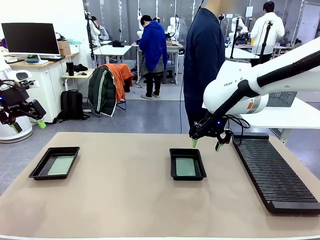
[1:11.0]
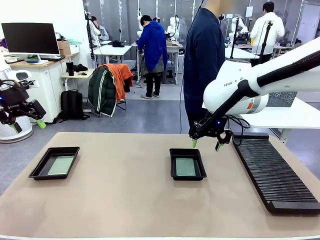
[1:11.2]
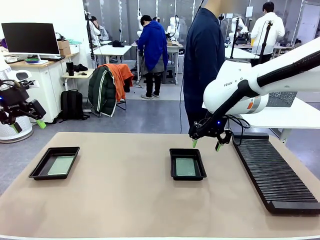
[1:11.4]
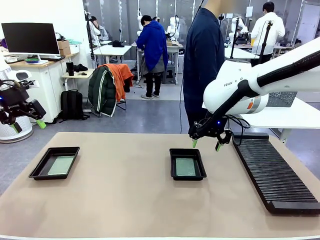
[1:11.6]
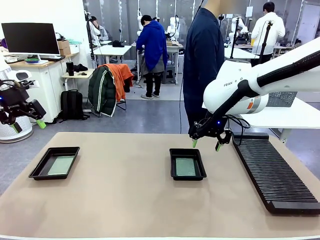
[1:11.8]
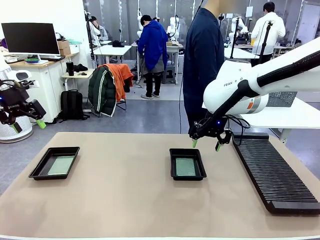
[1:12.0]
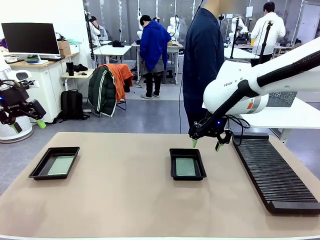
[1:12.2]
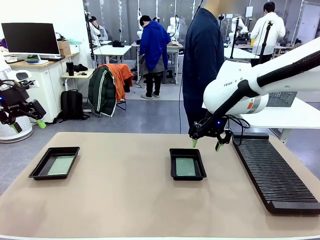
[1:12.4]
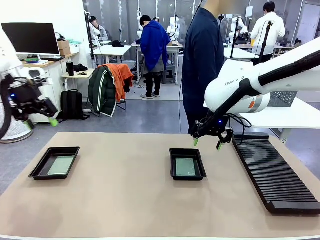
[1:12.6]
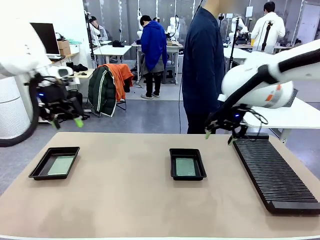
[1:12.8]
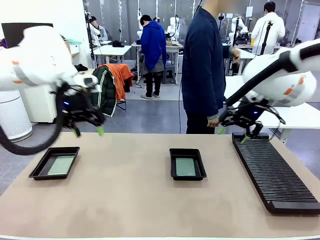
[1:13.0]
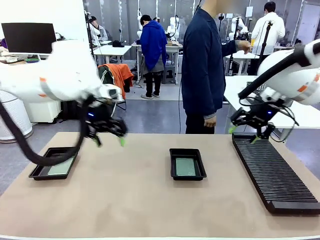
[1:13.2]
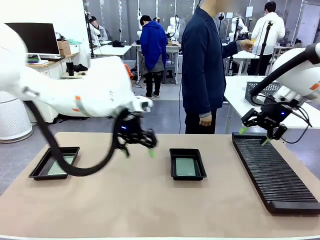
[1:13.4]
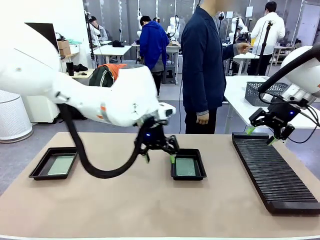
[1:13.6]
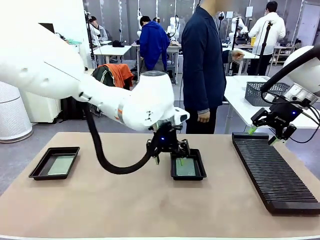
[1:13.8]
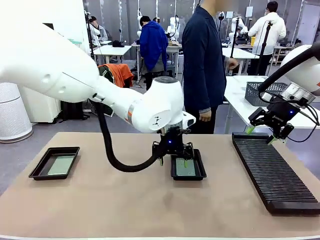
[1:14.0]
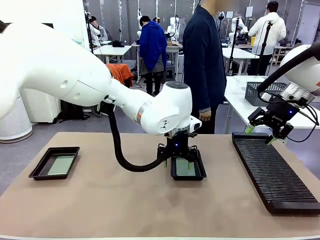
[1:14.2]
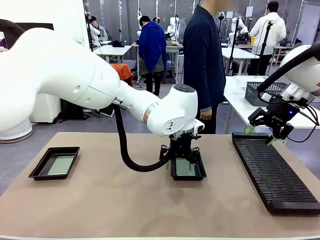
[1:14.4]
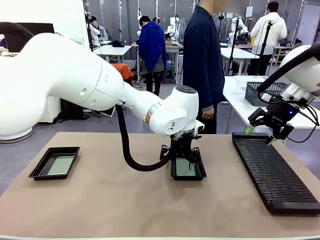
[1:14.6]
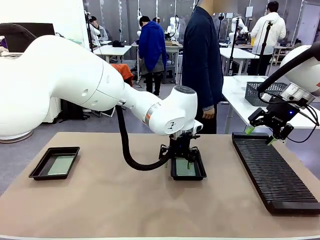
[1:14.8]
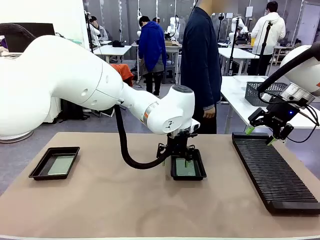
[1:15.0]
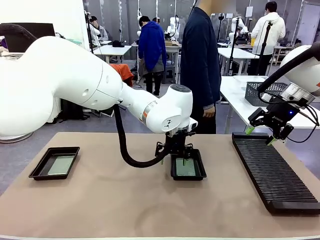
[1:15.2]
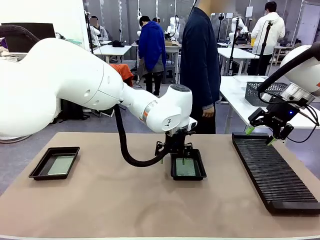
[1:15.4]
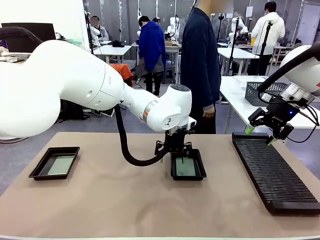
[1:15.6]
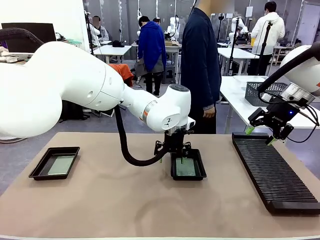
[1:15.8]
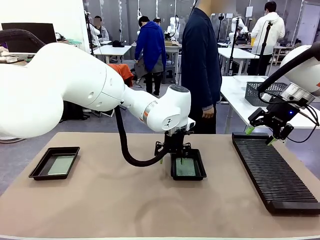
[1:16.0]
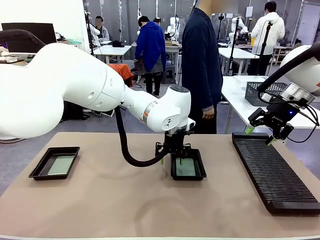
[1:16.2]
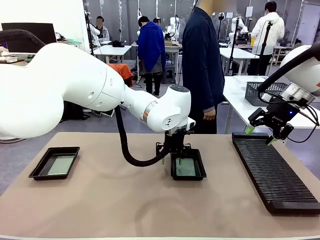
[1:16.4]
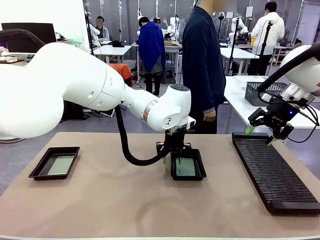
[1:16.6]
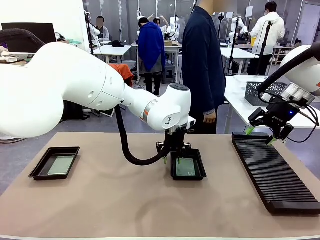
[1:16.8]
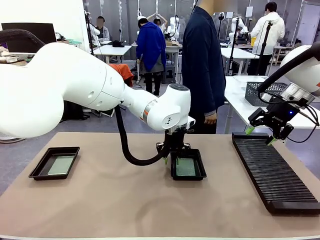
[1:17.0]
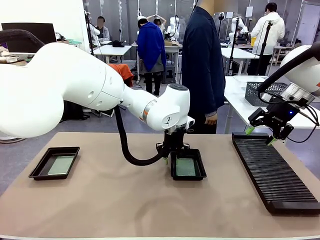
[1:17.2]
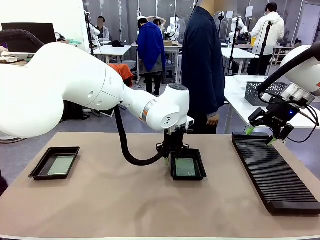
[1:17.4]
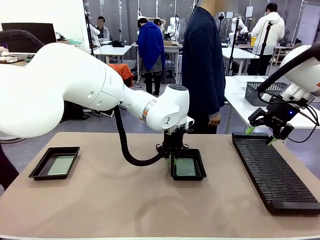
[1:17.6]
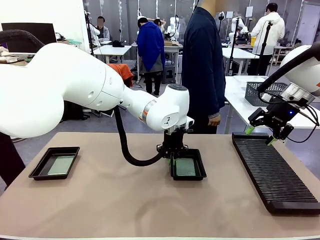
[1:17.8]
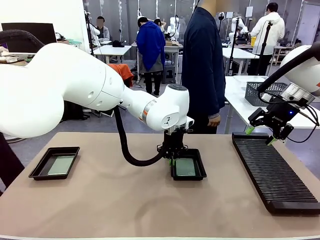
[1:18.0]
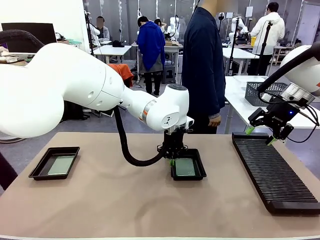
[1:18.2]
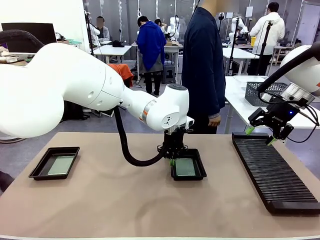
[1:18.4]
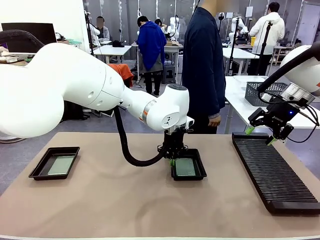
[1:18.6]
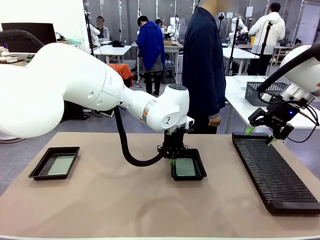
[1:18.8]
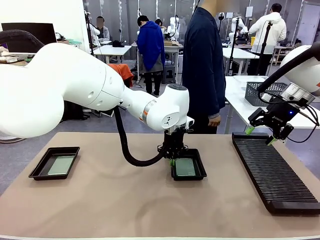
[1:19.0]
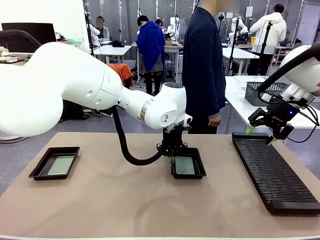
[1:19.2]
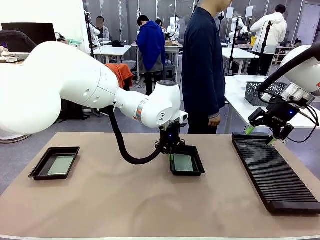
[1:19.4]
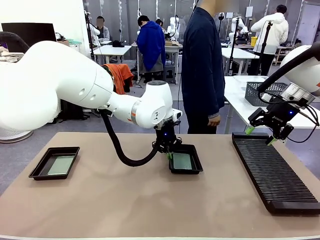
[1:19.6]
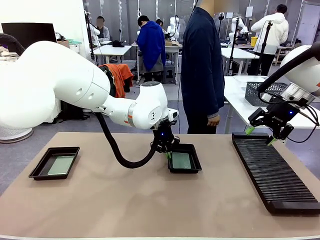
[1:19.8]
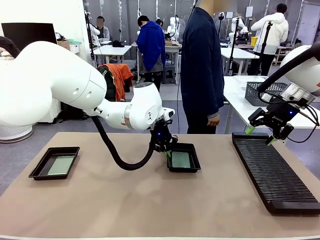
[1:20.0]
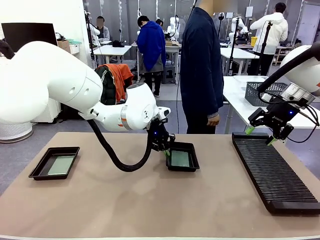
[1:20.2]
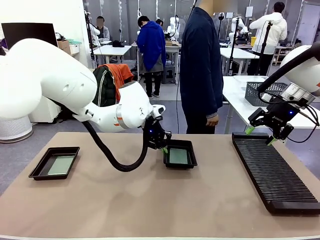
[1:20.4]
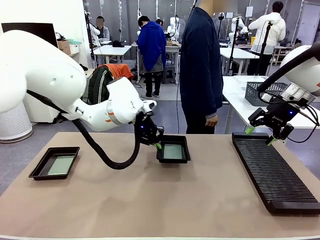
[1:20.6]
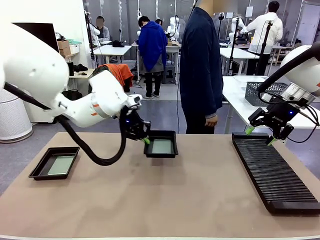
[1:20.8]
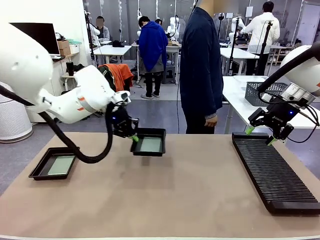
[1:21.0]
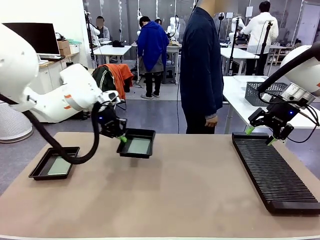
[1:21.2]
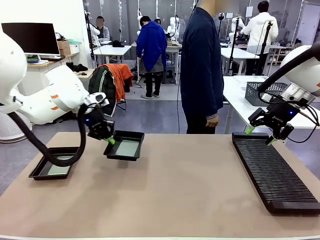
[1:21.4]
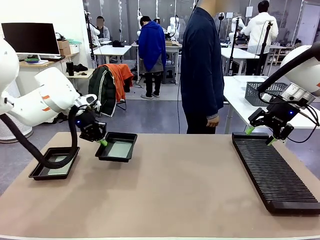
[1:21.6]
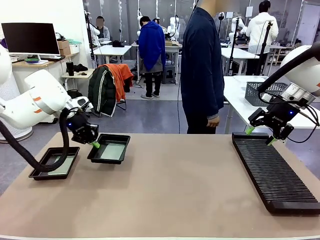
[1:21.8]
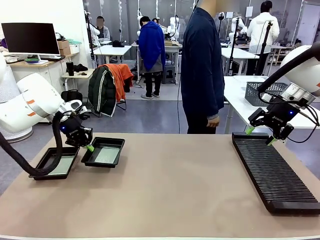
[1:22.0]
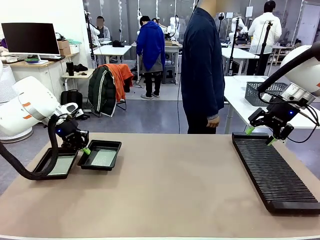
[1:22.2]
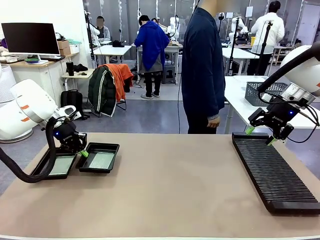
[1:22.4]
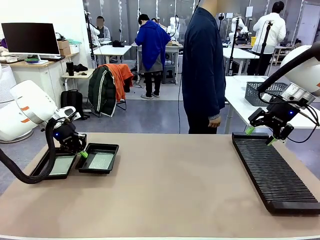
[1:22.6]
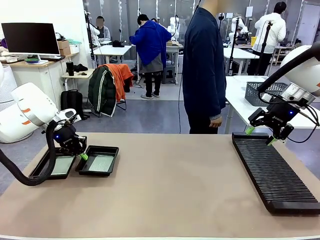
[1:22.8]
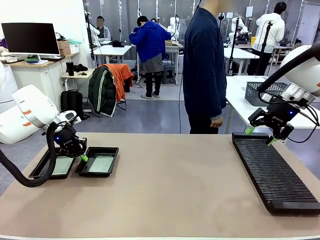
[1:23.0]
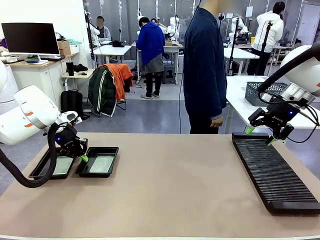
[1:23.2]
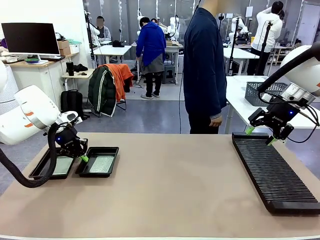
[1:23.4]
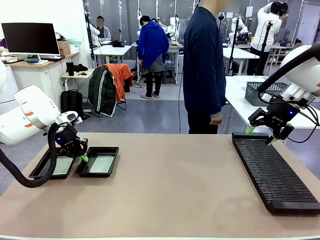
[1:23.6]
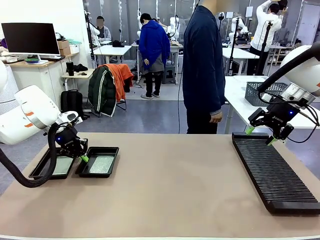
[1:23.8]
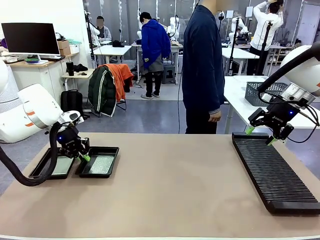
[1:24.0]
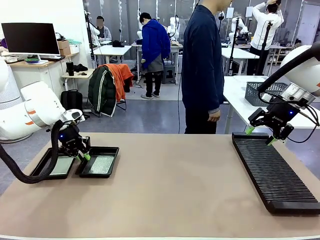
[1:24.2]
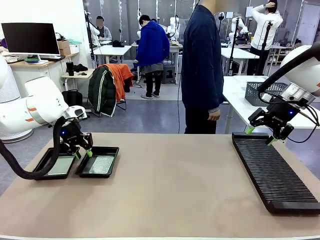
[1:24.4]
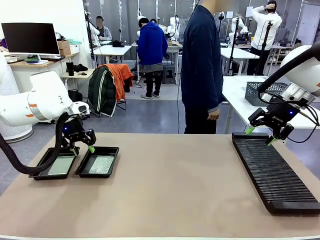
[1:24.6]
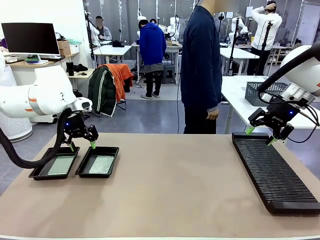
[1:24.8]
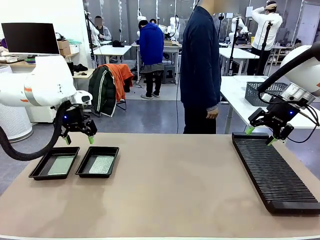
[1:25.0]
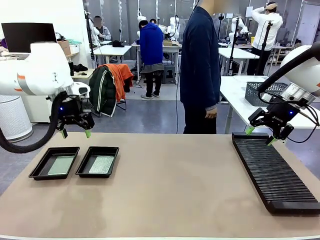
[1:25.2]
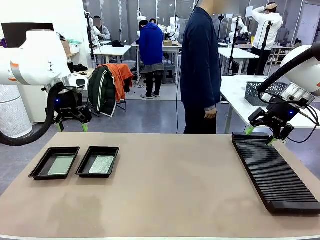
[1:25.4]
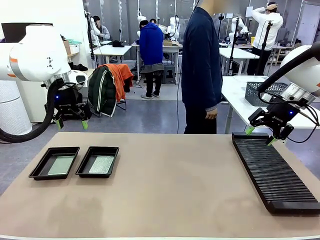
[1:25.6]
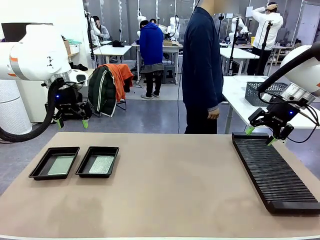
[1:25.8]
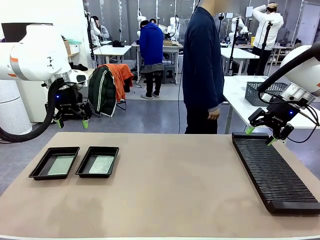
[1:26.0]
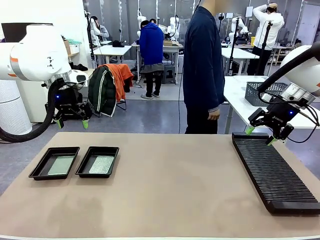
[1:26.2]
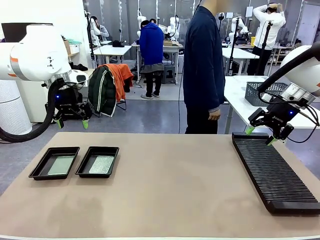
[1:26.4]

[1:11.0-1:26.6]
Task: Inspect and transfer BCBs to ESD trays.
Robot: Pick up the ESD tray and place it on the left side of the table.

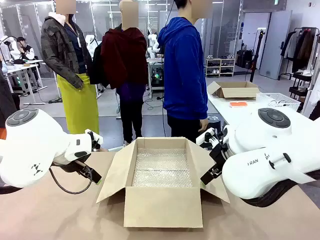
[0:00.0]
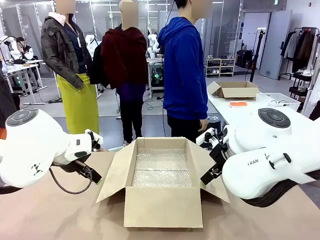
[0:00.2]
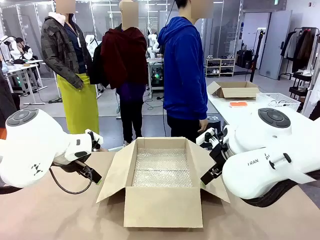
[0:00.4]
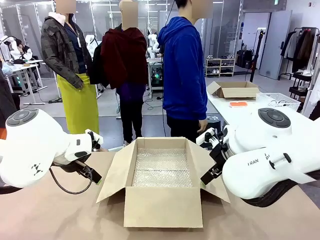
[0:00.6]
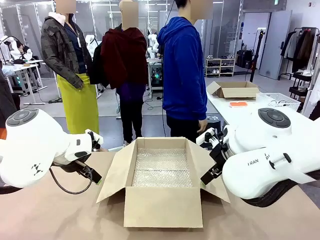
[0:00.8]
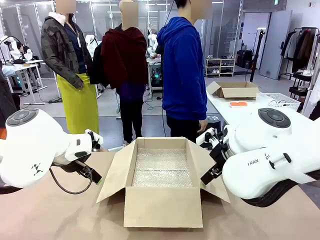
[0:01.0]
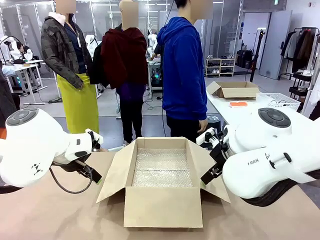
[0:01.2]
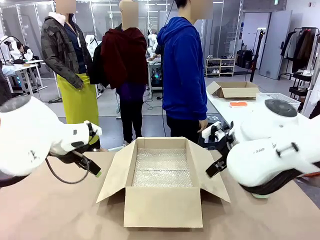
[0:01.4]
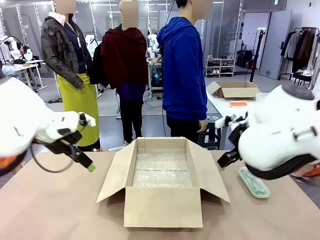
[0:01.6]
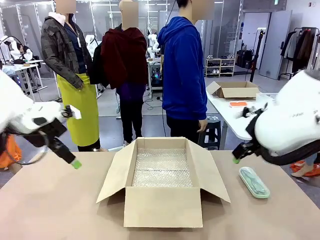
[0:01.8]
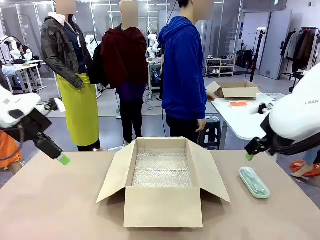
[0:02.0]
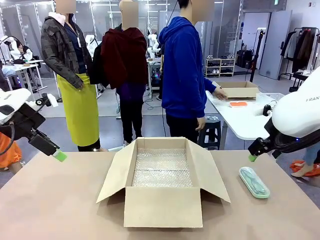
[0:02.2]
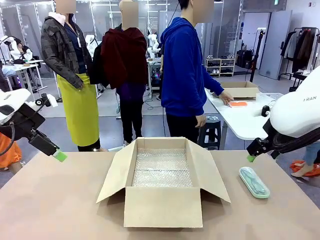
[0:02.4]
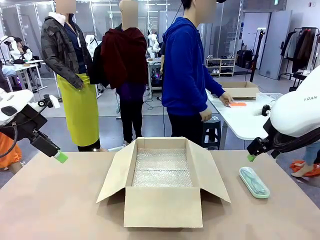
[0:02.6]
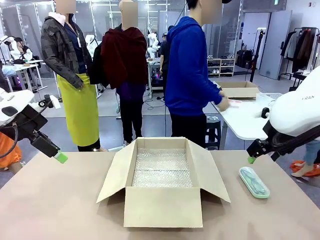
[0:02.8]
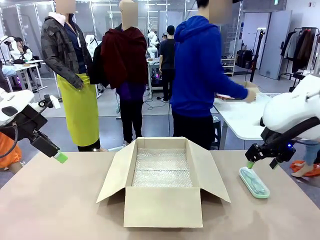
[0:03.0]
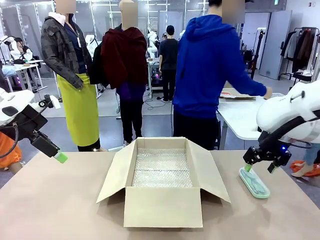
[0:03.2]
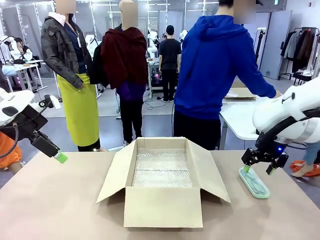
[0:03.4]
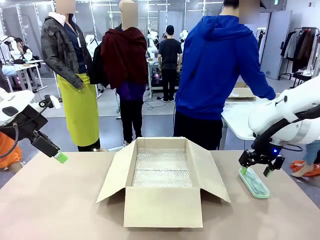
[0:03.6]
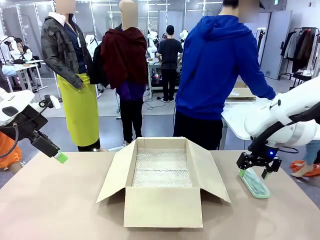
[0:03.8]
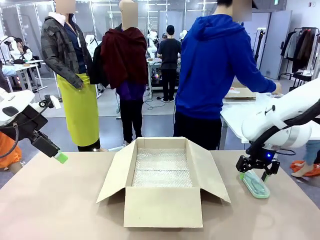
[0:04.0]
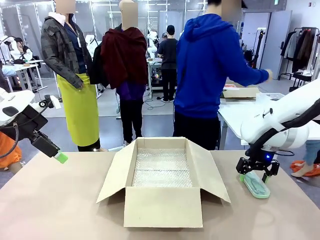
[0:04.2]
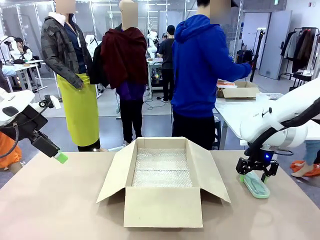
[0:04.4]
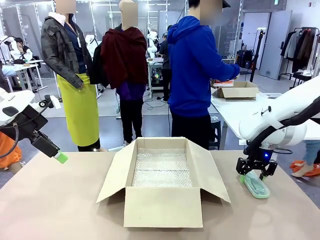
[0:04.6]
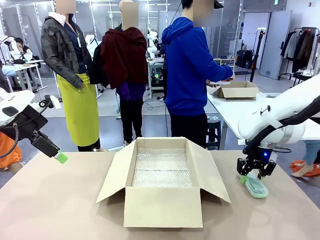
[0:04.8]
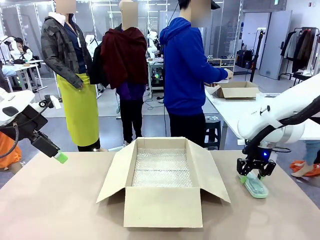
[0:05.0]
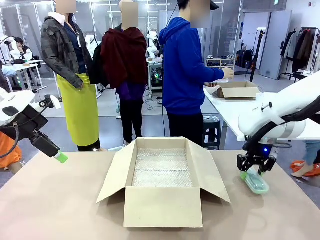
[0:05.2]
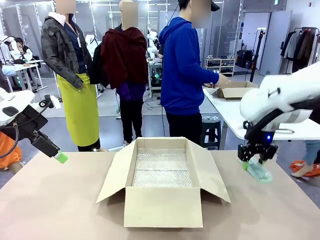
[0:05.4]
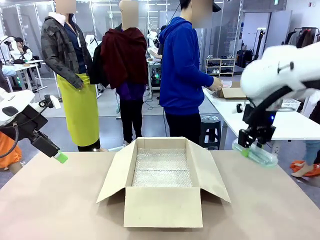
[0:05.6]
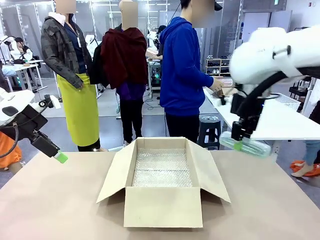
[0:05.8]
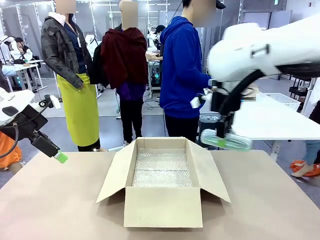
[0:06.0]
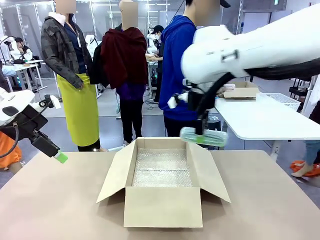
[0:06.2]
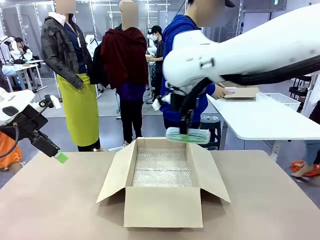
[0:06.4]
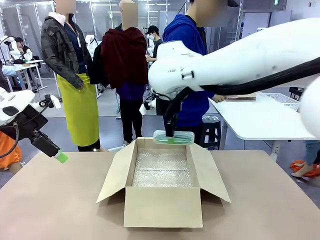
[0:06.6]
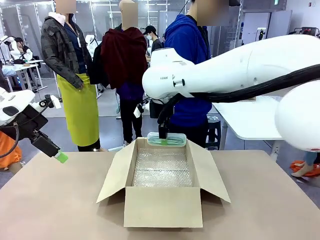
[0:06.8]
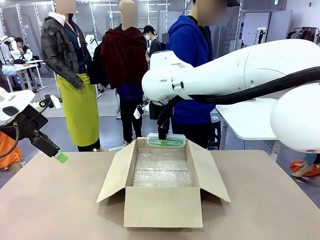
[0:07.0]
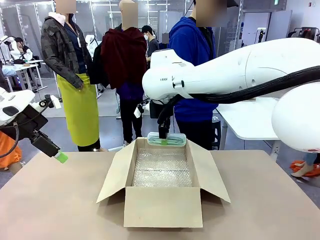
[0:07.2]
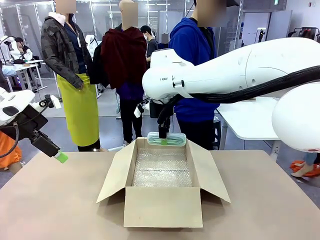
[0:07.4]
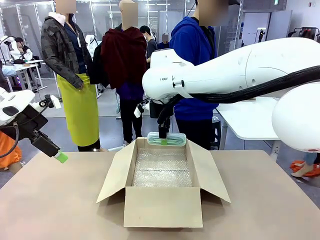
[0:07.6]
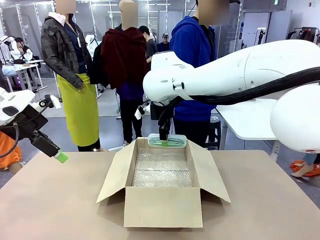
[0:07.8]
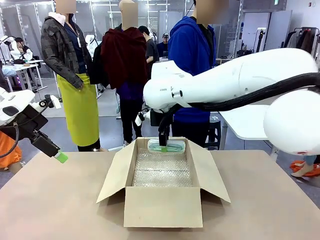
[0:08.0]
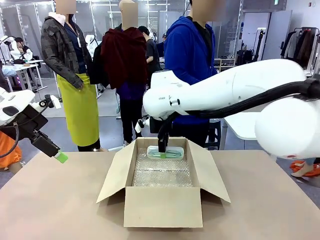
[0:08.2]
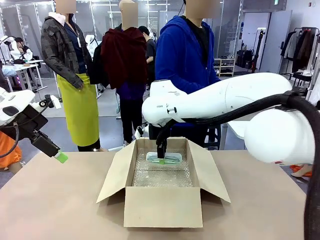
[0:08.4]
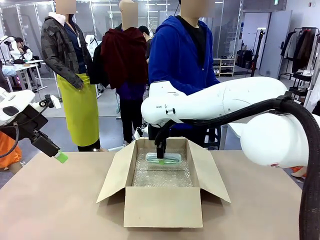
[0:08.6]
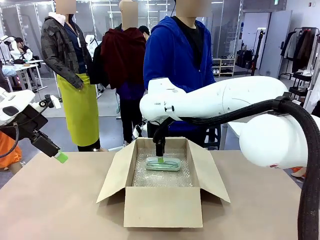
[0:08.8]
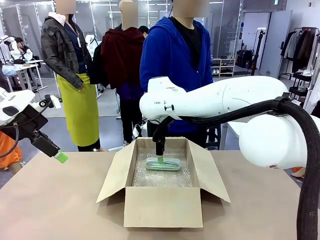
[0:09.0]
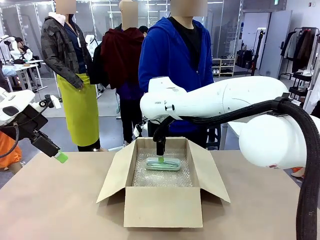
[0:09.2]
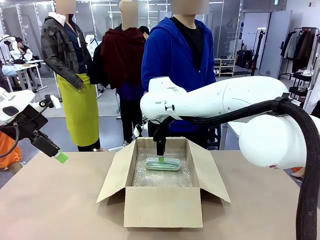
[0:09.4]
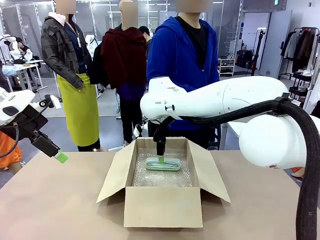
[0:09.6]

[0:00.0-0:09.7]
Task: Pack the glasses set securely to prepare it for shipping.
Robot: Place the Glasses case inside the Package Box.
Person: Place the Glasses inside the Glasses case.
